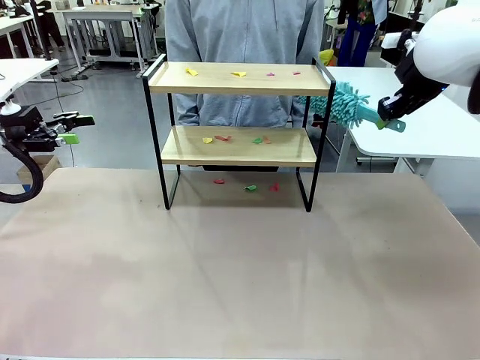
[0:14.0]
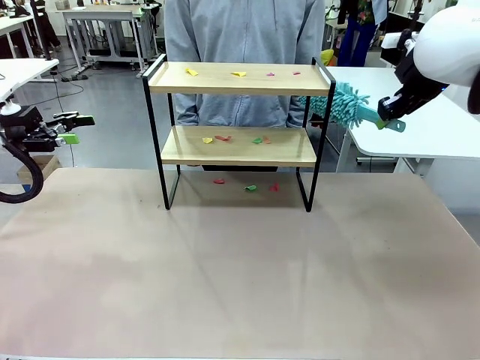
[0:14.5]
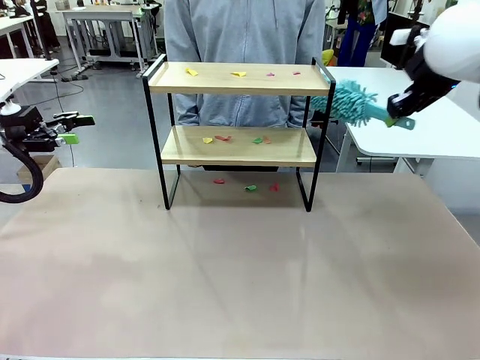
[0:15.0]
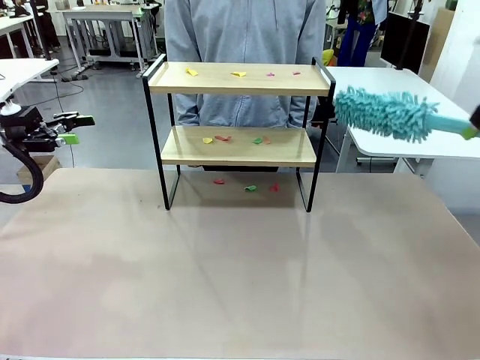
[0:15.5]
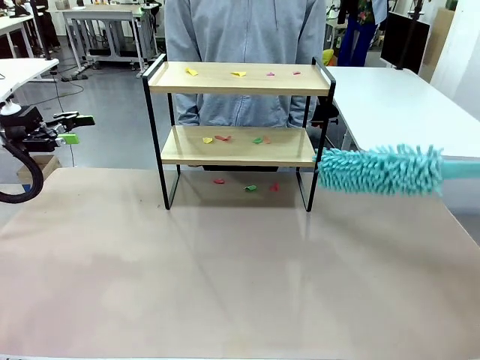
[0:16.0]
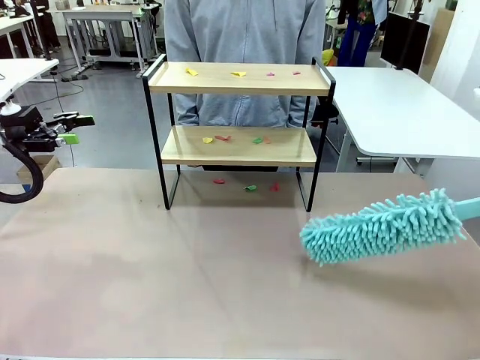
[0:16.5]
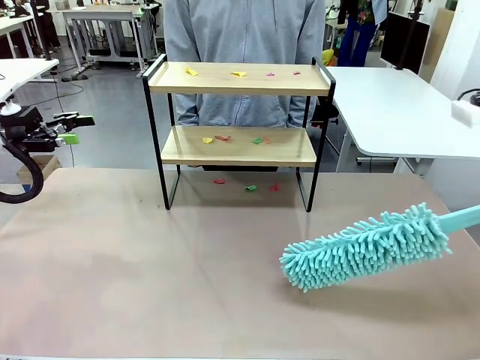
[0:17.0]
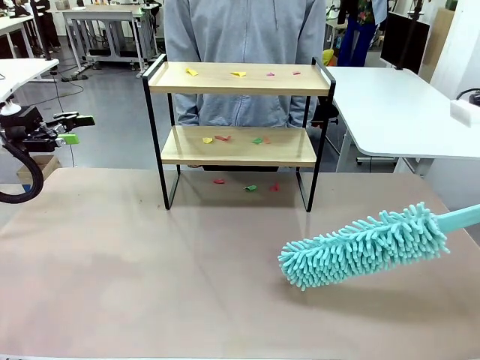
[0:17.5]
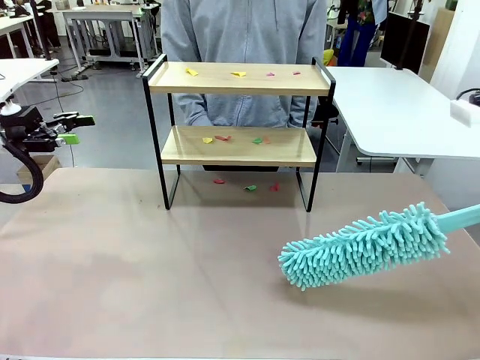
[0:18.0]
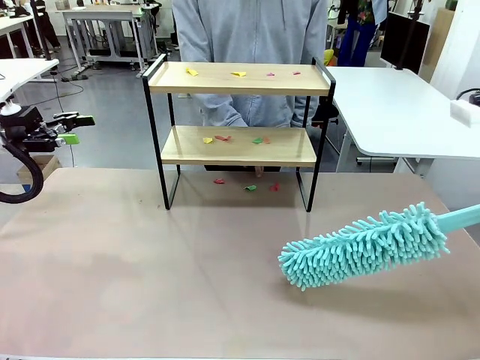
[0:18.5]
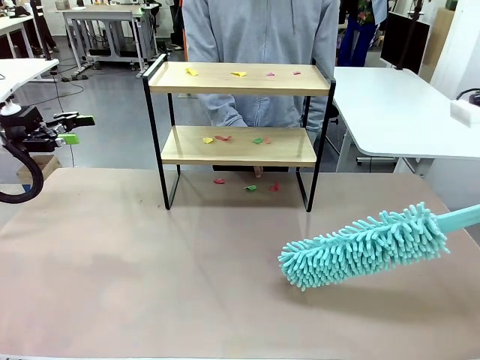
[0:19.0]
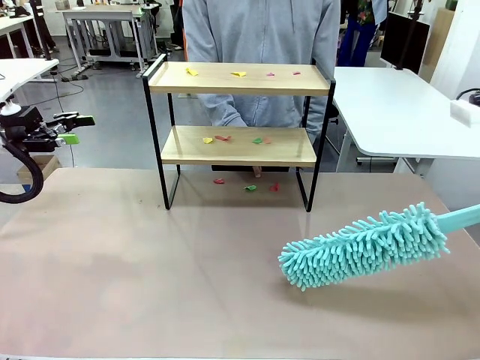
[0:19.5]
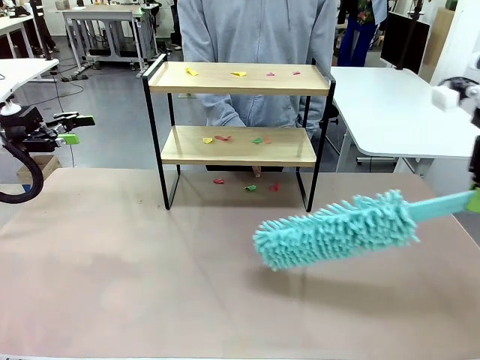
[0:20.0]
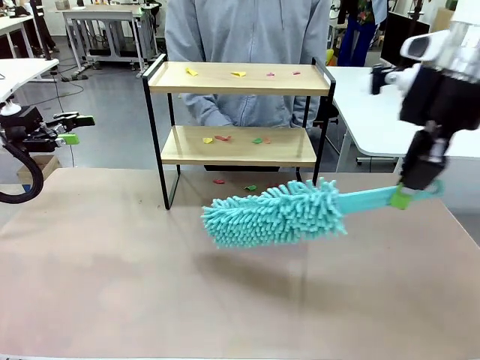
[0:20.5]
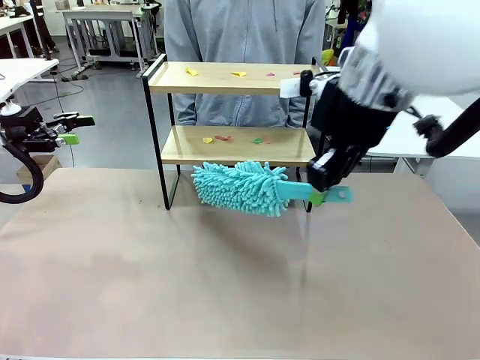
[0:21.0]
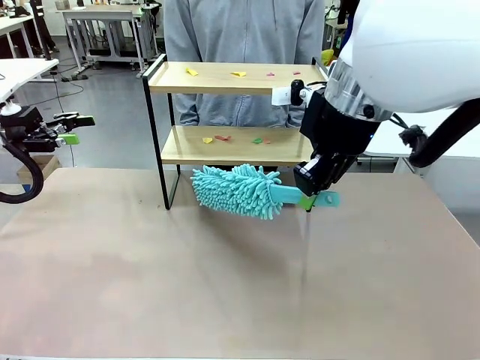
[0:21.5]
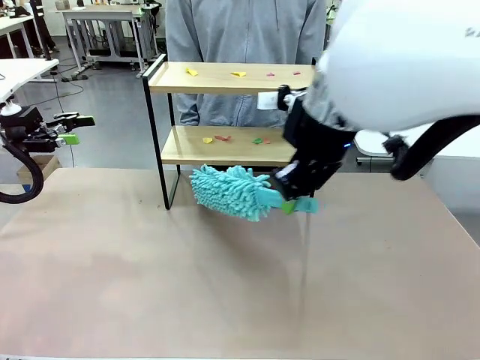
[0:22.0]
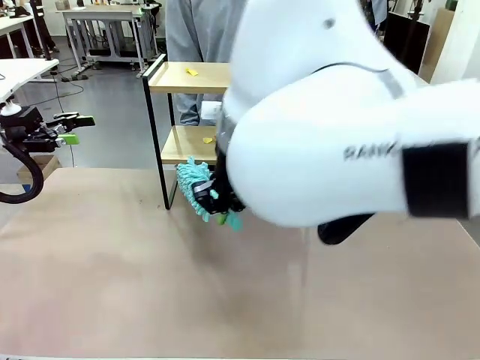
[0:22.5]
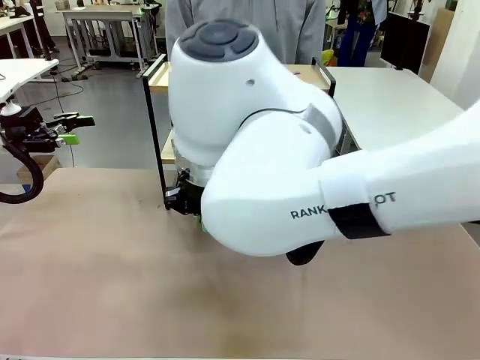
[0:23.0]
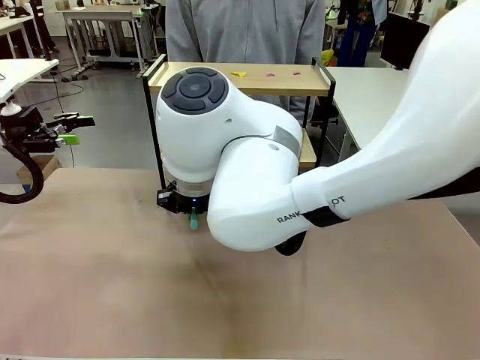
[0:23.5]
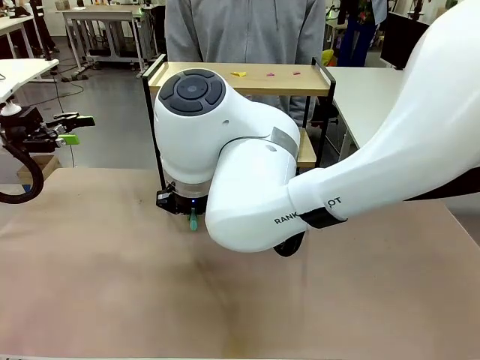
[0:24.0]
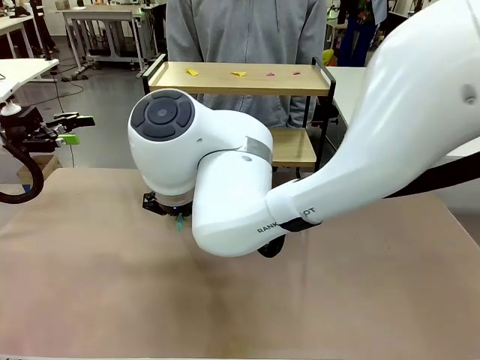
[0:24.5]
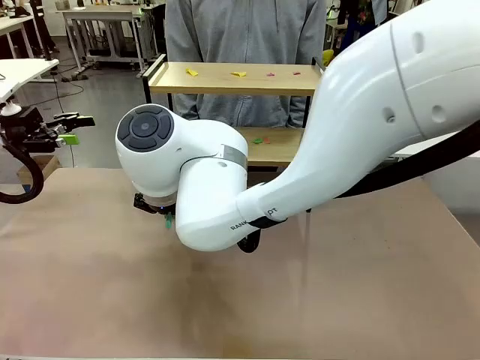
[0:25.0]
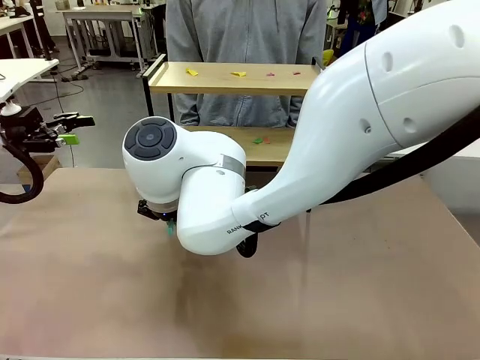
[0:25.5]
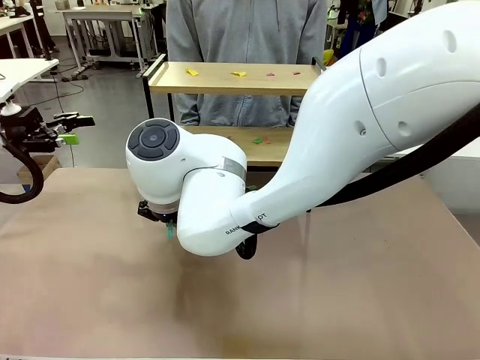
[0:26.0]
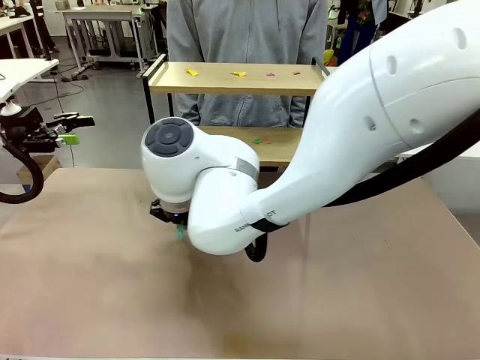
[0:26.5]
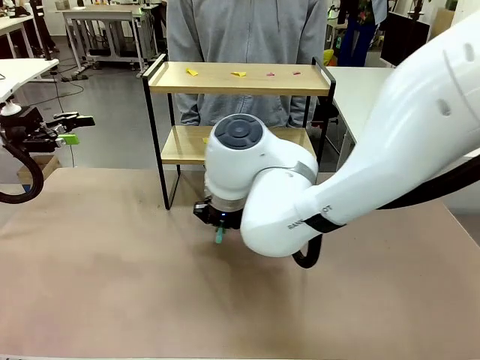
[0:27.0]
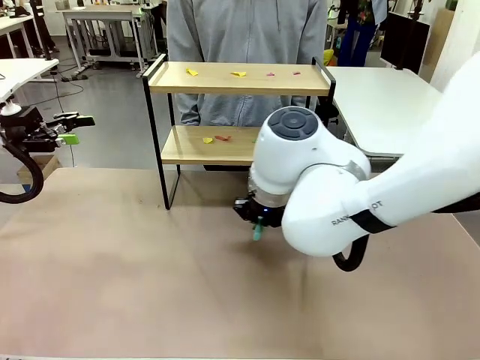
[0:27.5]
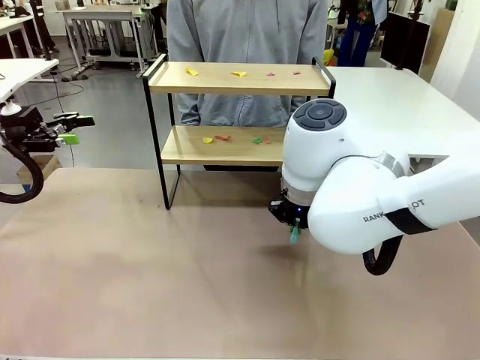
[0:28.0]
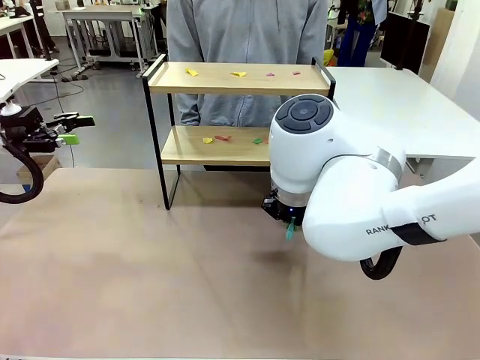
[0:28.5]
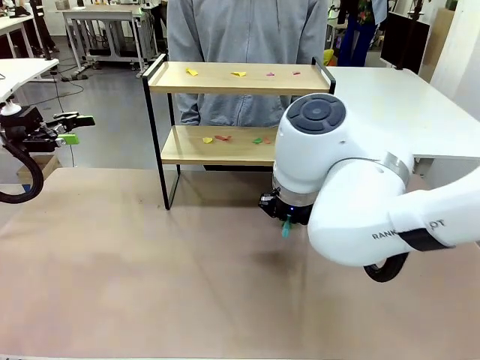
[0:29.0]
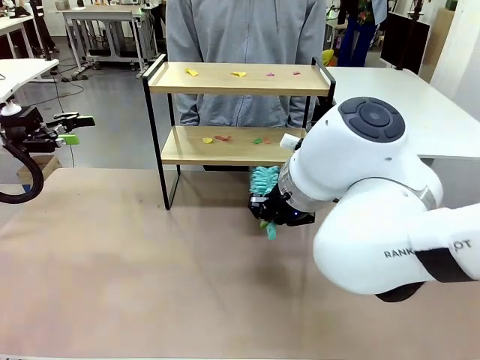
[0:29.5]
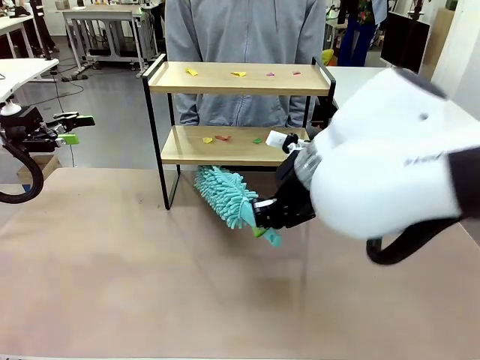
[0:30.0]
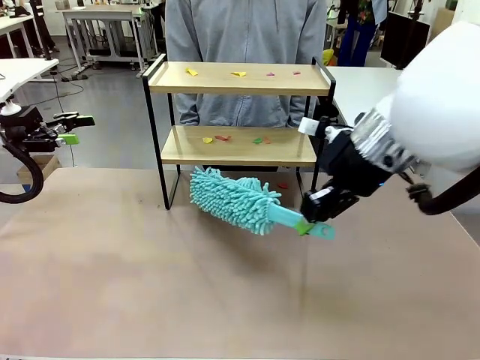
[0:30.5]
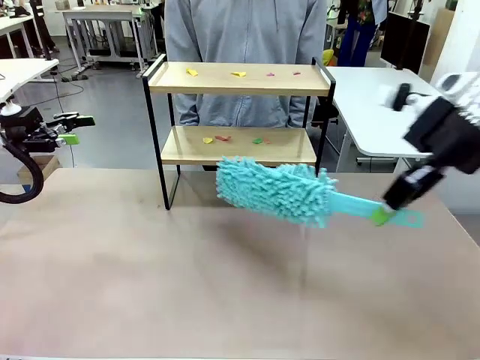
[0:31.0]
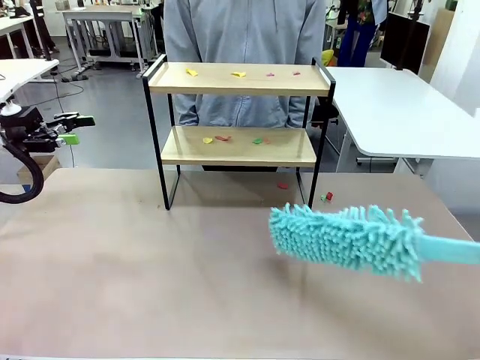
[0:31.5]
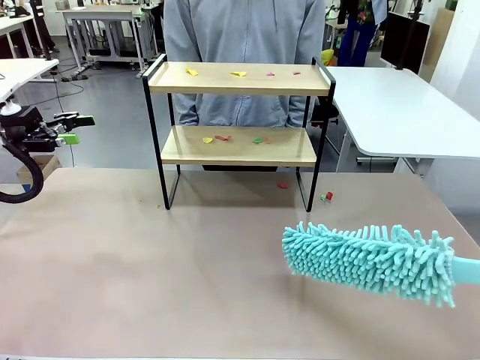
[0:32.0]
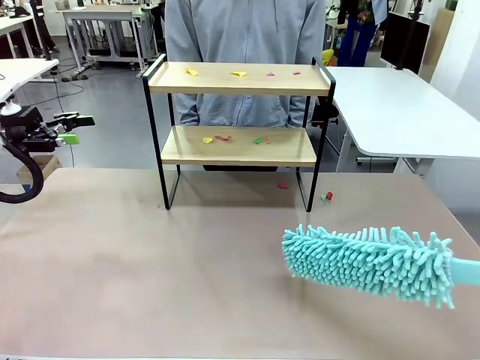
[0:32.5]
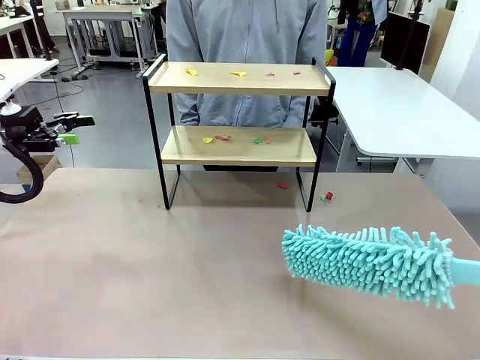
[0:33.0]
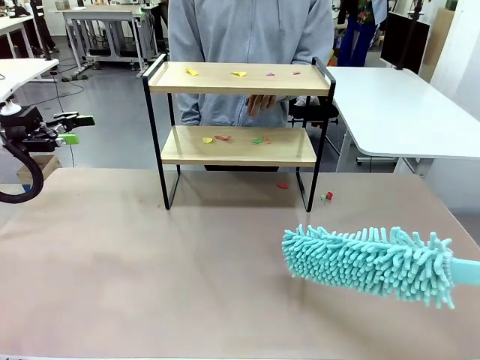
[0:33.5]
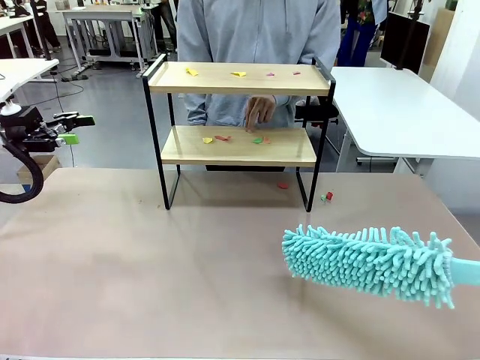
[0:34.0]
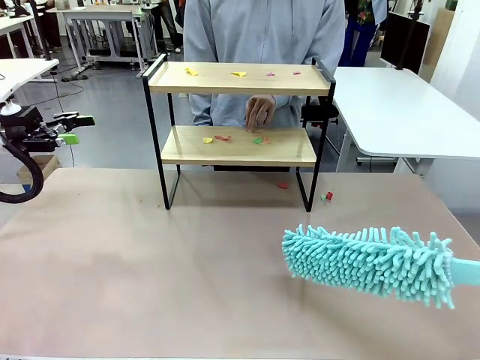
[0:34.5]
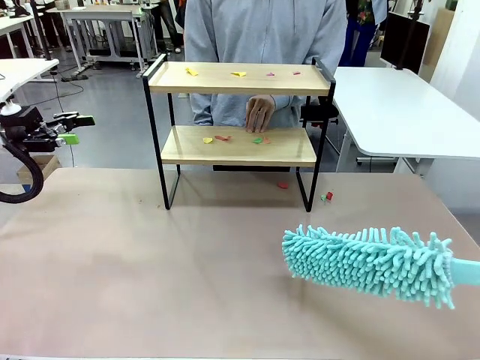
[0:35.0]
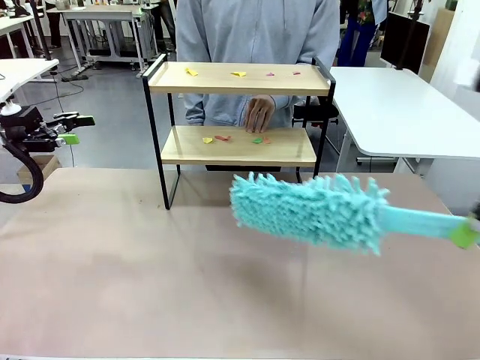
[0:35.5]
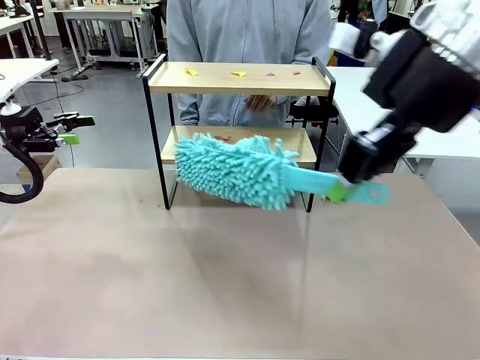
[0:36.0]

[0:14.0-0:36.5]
Task: Clean the shelf.
Robot: Clean the specific section of the Shelf indicated by the human with the Duster.
Person: Point a random section of the Shelf.

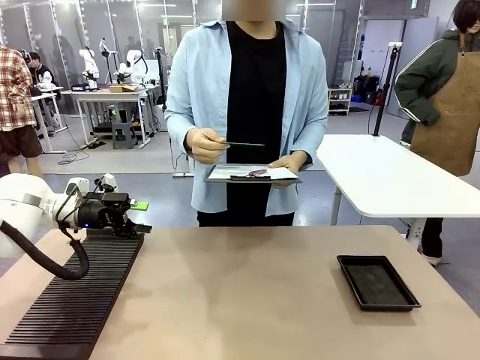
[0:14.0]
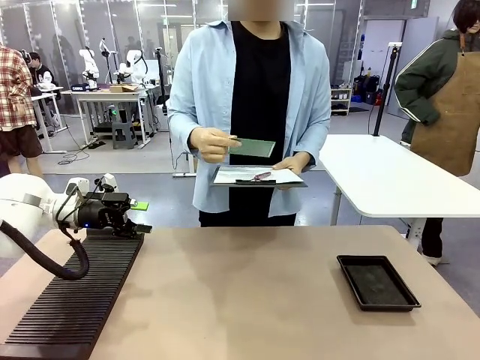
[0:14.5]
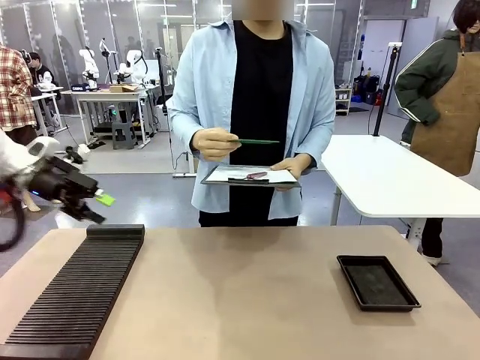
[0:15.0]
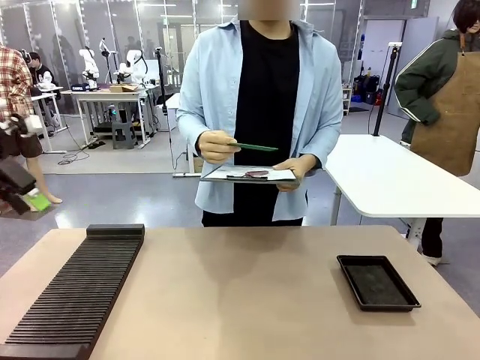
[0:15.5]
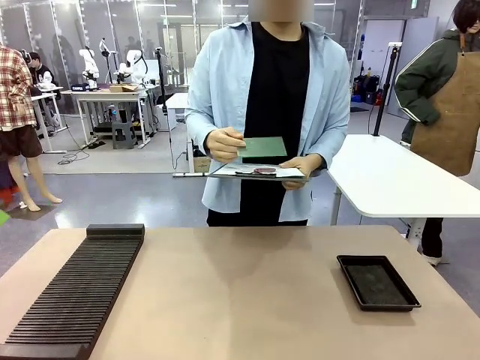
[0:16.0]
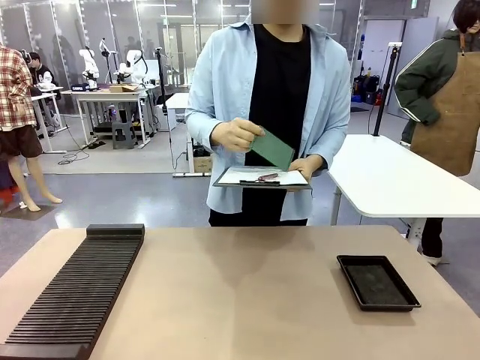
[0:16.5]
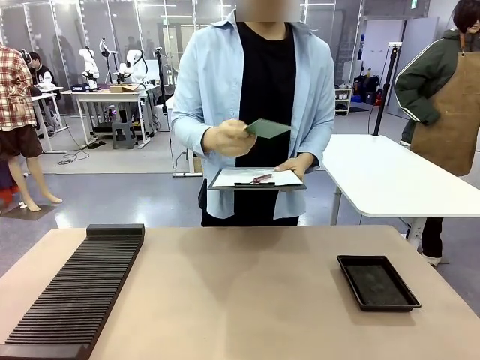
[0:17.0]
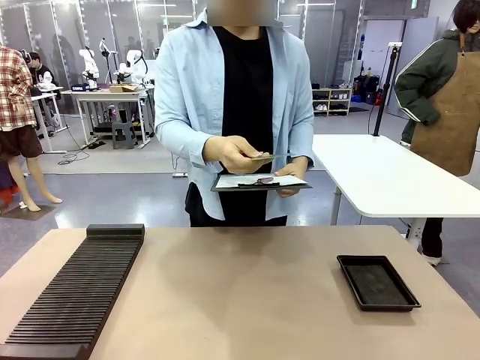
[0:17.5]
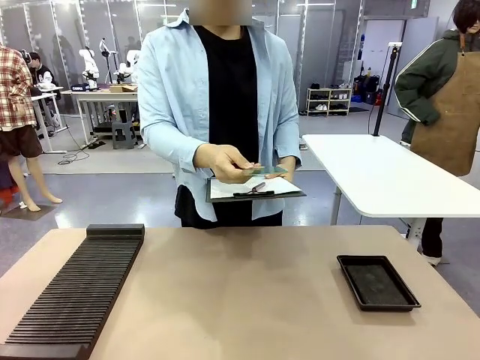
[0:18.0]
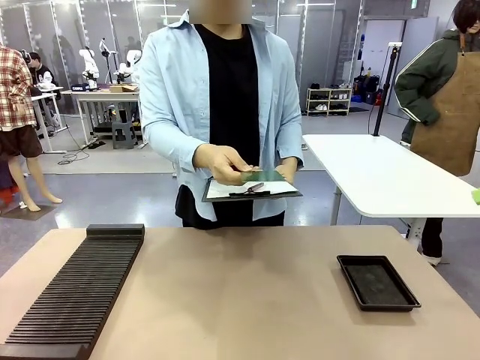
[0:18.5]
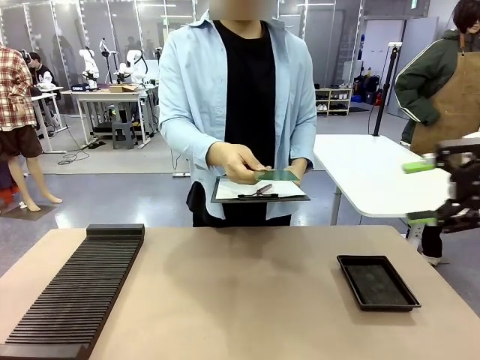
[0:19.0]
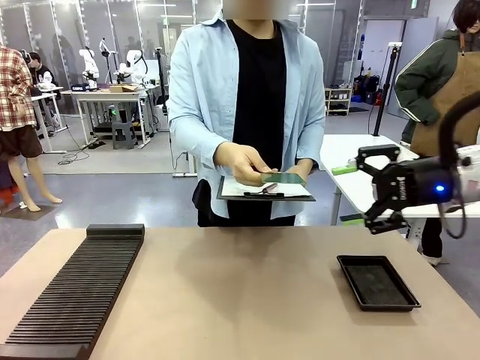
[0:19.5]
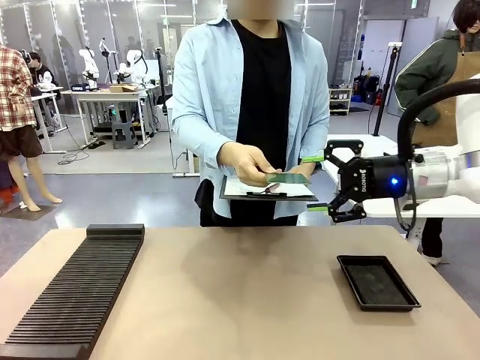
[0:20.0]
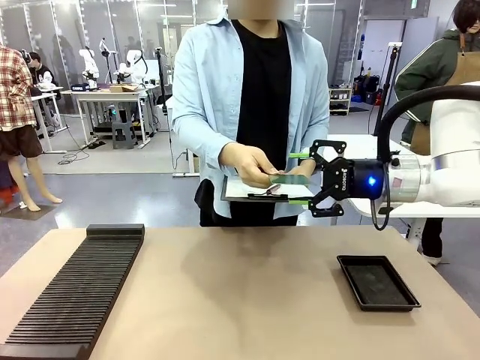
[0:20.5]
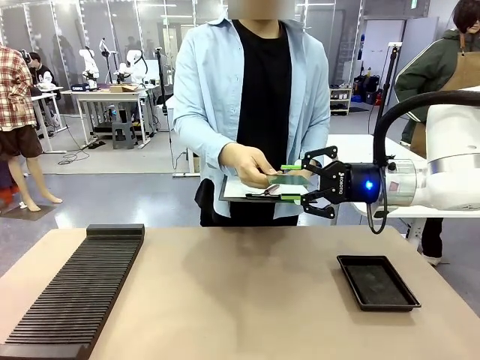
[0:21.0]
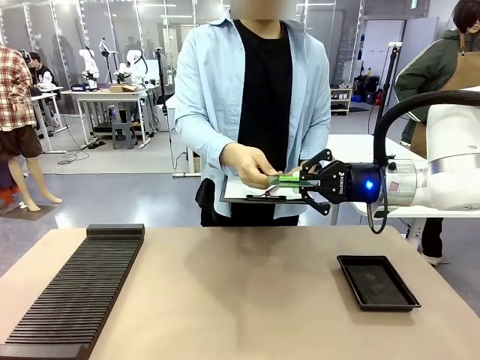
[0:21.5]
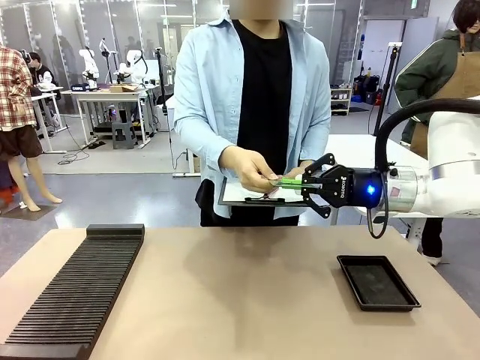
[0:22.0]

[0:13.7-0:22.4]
Task: Inspect the PCB.
Robot: Pick up the Blank PCB that the human is holding.
Person: Inspect the PCB placed by the robot, then hold it out in front of the robot. Release the PCB you were holding.
